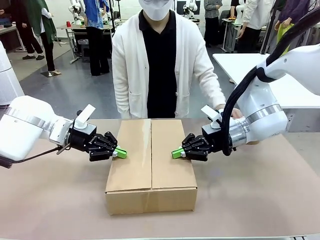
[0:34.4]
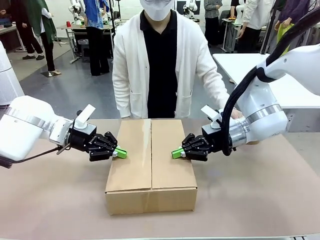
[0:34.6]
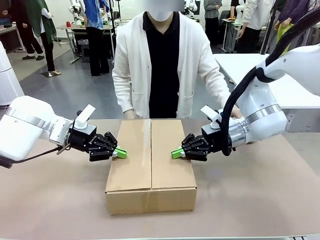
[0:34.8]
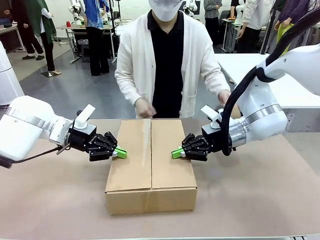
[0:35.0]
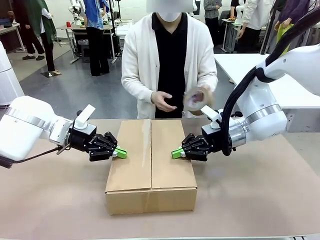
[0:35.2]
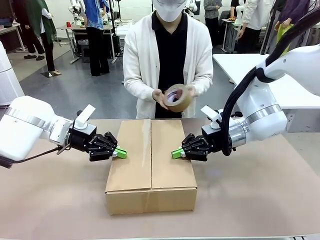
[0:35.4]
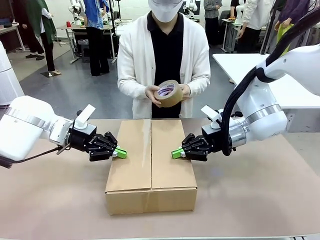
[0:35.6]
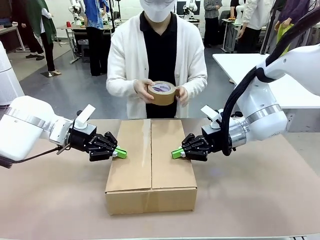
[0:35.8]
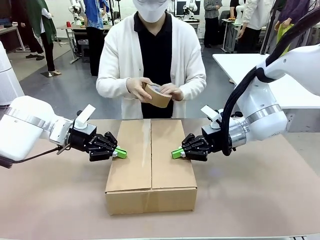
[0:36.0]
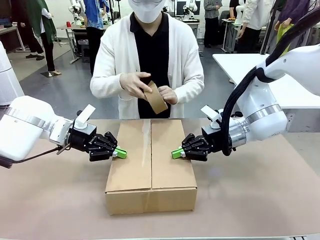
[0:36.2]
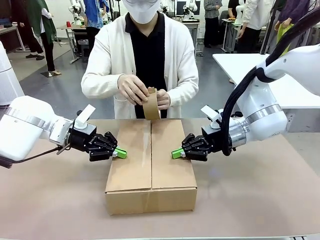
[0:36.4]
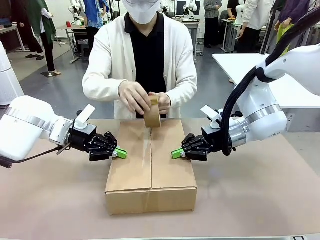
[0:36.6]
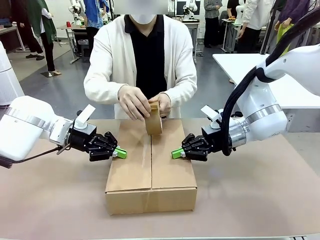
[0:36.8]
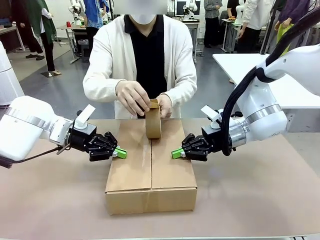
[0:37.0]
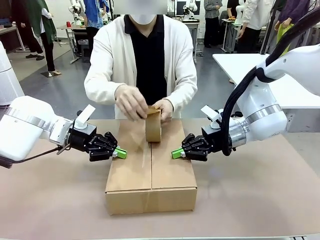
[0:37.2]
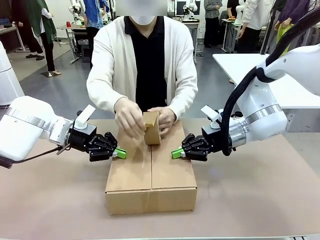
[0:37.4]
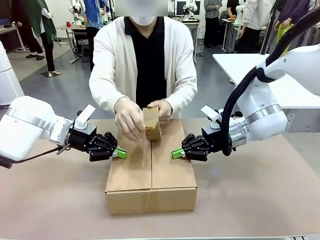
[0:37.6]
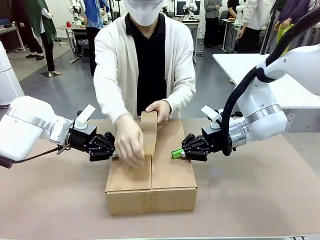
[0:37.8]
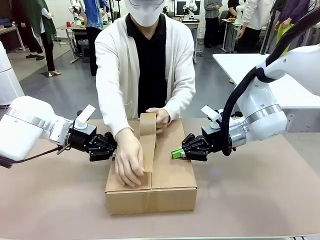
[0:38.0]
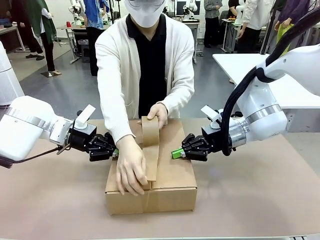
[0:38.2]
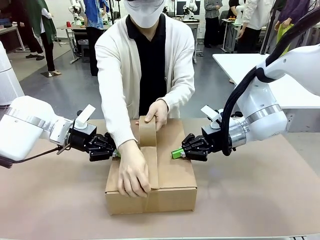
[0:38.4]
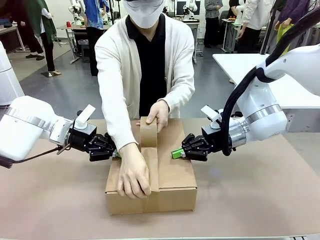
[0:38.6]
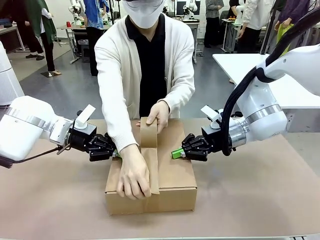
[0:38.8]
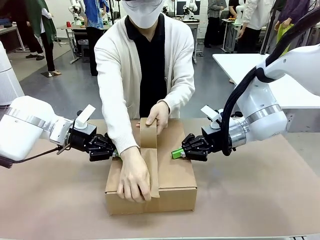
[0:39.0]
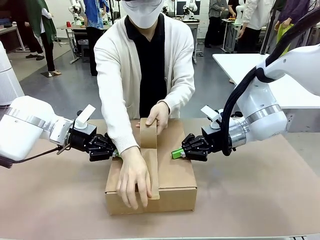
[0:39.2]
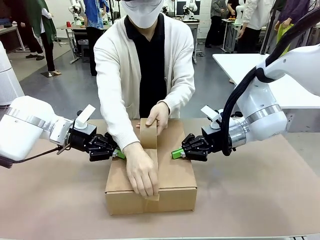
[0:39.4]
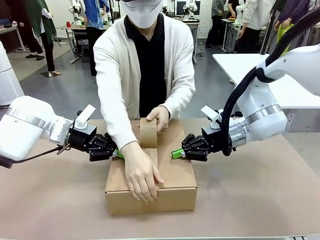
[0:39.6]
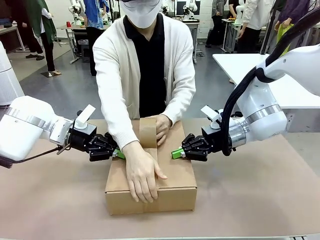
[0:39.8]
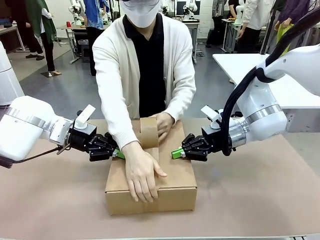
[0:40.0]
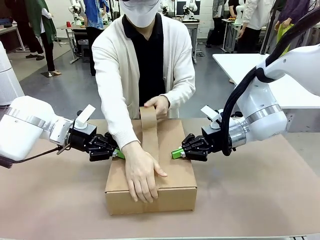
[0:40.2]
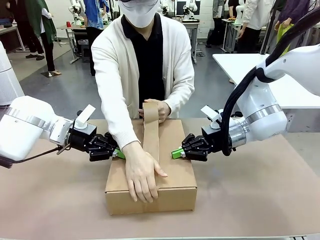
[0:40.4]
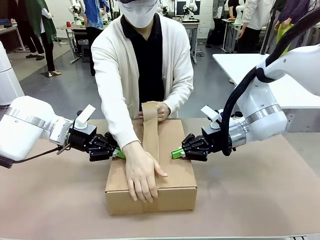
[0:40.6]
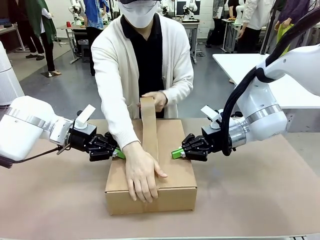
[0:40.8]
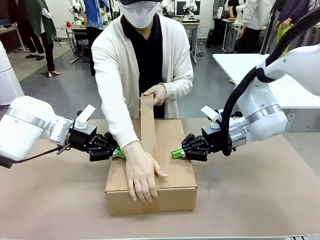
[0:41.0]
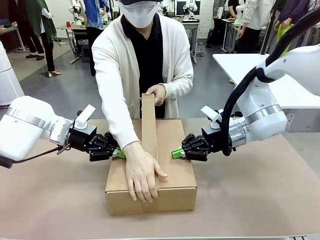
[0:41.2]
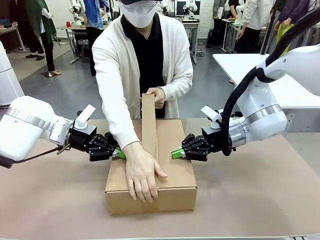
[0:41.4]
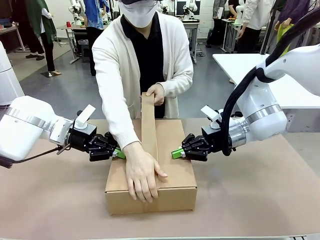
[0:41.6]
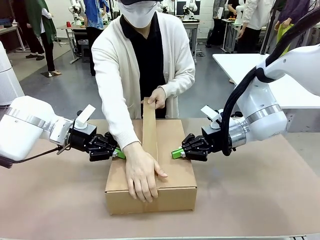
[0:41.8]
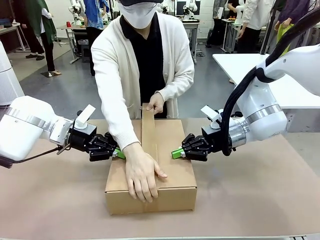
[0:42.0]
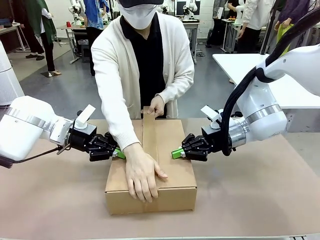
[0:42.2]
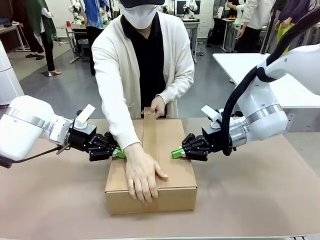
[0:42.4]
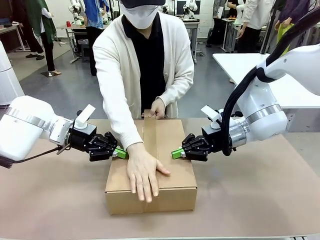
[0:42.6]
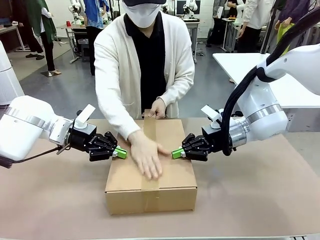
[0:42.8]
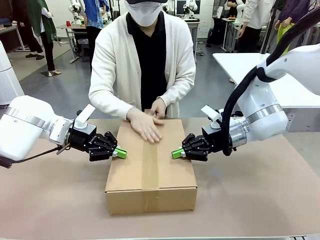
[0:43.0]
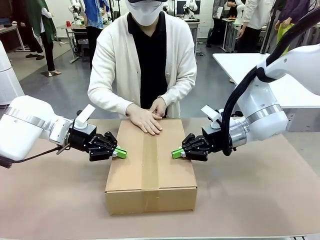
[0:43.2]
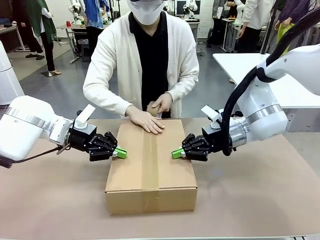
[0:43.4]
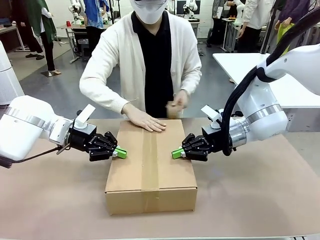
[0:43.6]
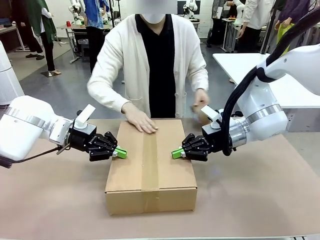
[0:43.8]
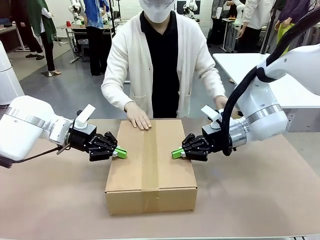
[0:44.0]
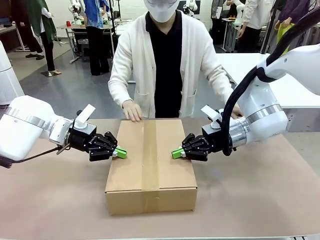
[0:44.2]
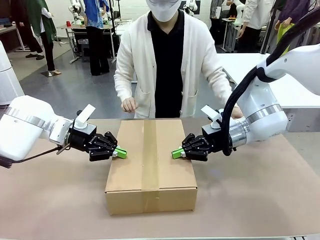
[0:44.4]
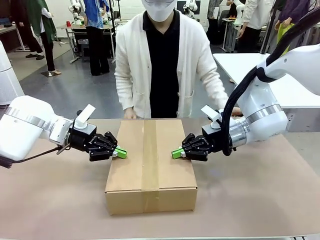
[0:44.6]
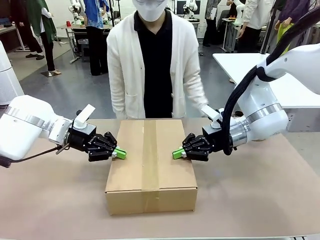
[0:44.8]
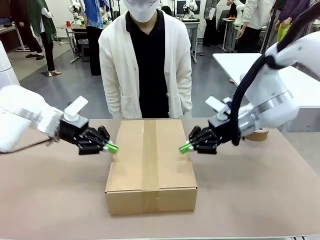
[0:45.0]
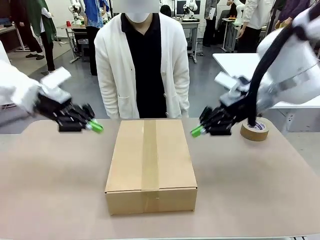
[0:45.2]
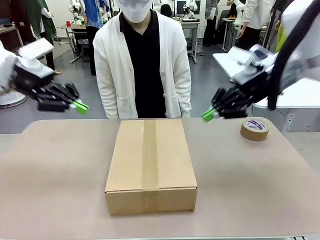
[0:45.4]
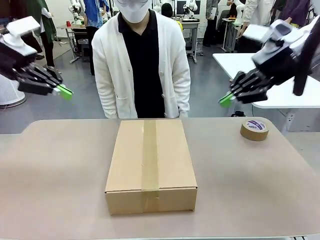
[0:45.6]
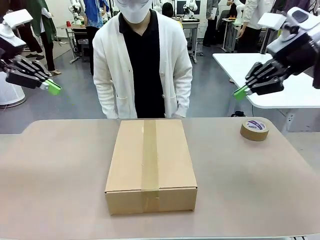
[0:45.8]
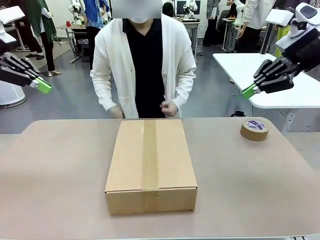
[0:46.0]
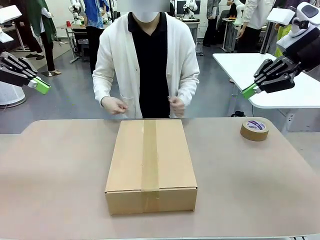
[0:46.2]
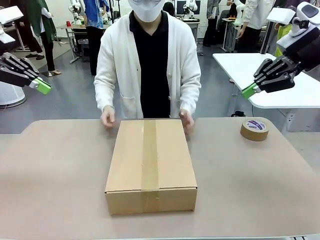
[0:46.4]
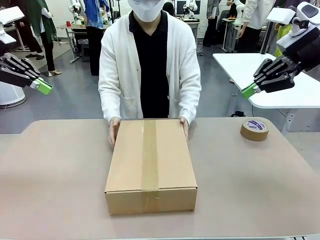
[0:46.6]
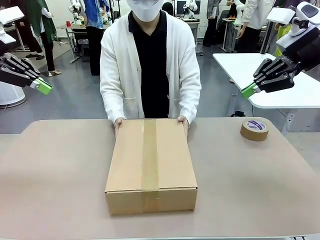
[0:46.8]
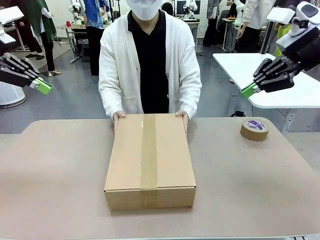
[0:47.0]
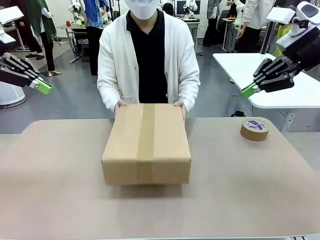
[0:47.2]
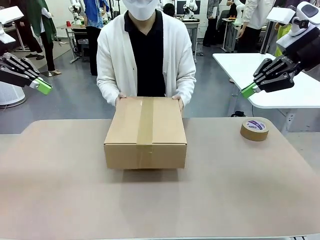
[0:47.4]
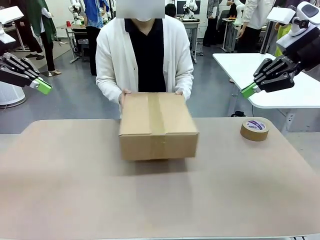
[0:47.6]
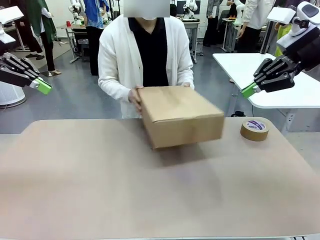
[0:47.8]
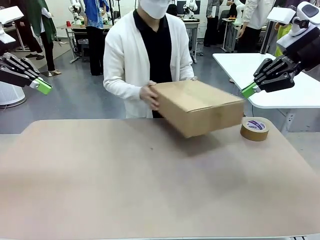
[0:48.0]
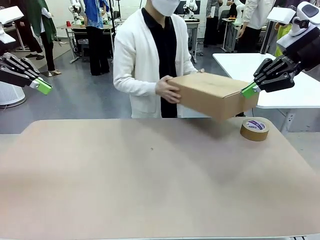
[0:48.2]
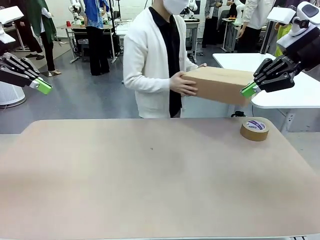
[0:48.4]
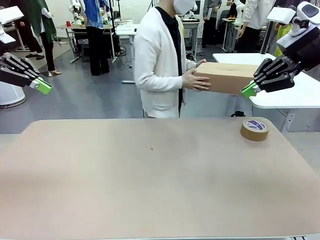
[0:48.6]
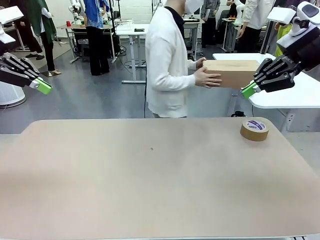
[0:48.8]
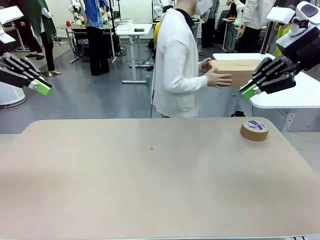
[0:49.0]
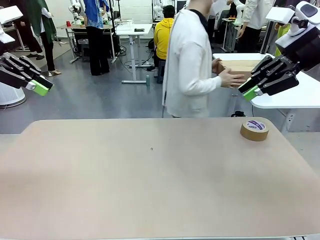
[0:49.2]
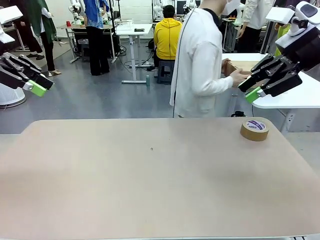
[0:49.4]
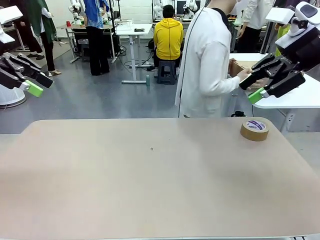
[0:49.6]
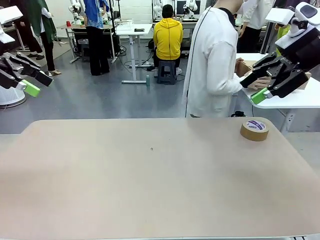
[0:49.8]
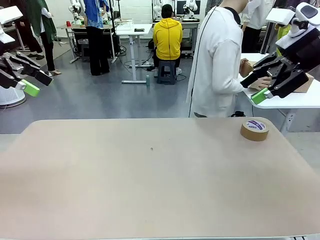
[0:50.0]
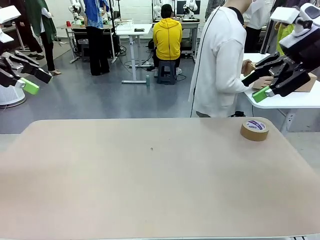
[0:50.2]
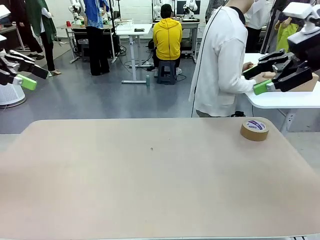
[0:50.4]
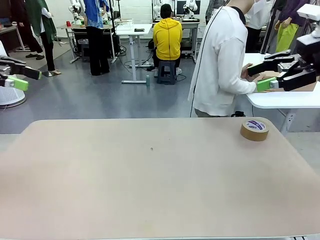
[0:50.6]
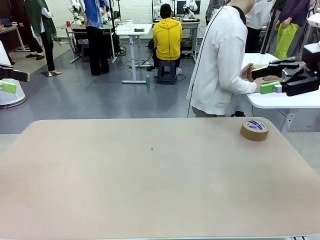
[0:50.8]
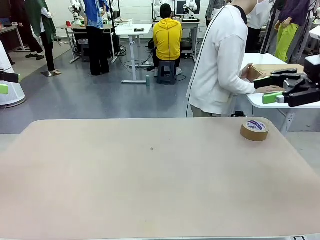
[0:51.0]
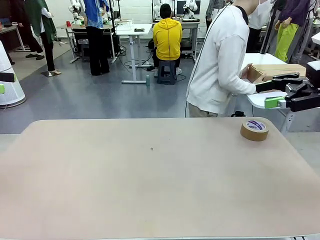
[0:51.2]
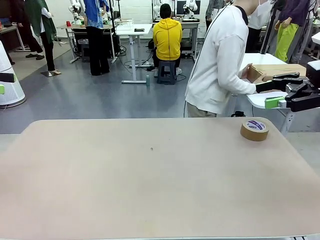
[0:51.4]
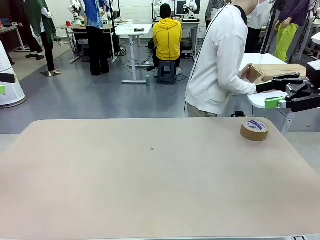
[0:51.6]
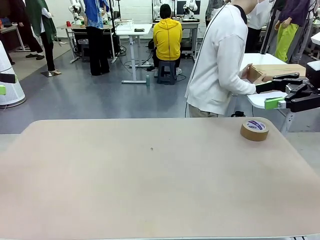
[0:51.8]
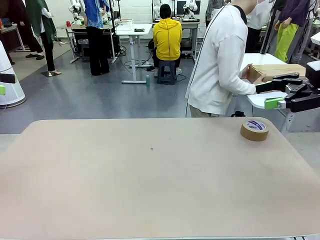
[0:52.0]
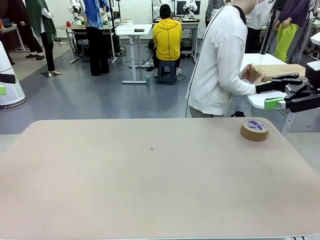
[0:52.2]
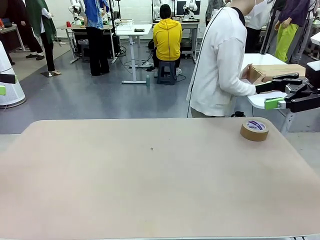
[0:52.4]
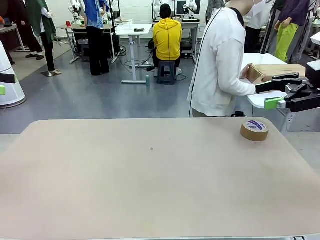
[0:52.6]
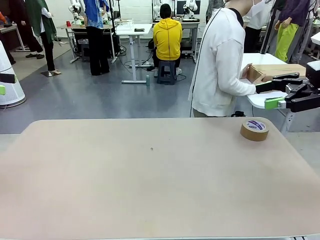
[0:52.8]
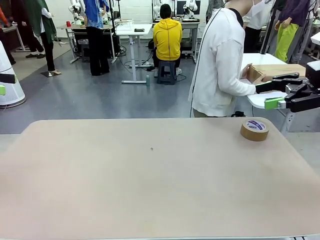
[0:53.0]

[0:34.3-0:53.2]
Task: Wrap the clocks to prevent damage.
Robot: After the human seals the box with tape, release both hands from the side flaps of the Package Box.
Person: Once the robot closes the left flap of the Package Box , seal the box with Paper Tape. Place sealed Package Box in the middle of the human's table.

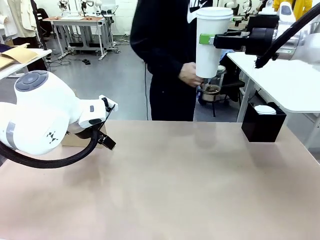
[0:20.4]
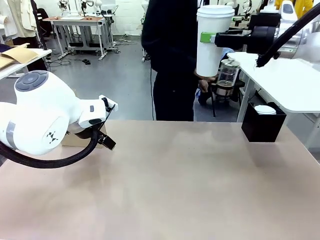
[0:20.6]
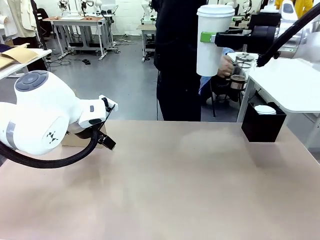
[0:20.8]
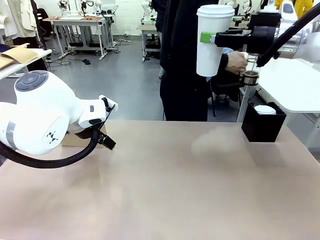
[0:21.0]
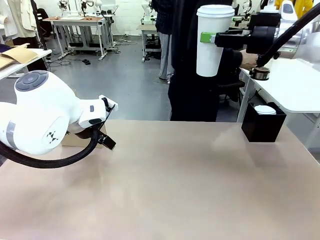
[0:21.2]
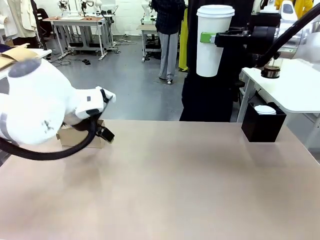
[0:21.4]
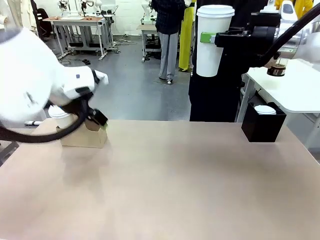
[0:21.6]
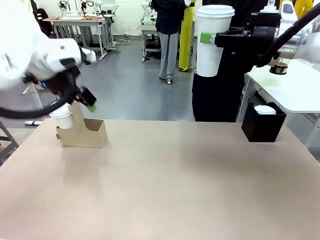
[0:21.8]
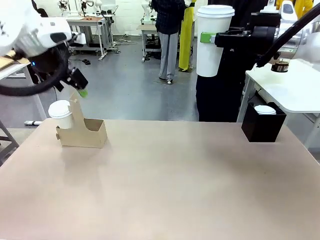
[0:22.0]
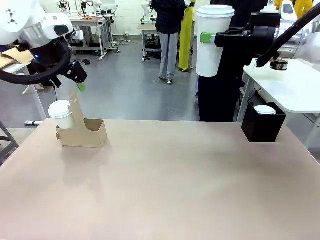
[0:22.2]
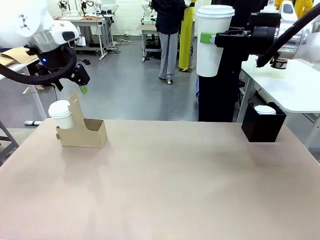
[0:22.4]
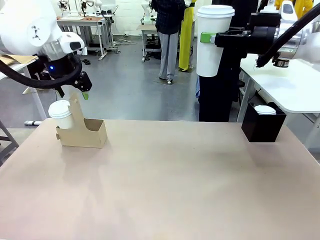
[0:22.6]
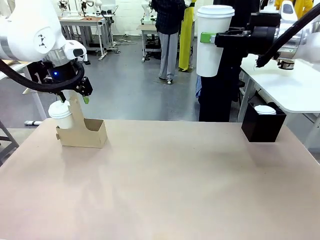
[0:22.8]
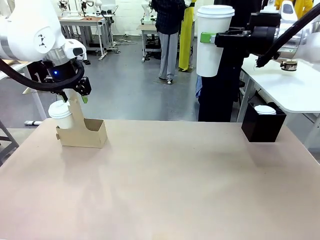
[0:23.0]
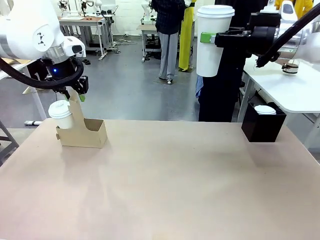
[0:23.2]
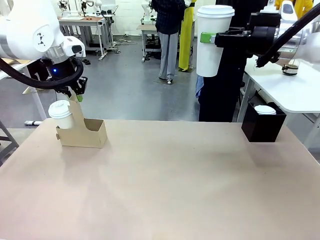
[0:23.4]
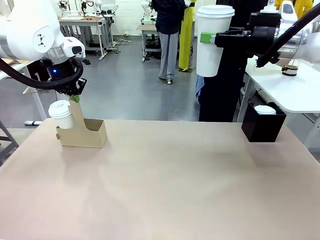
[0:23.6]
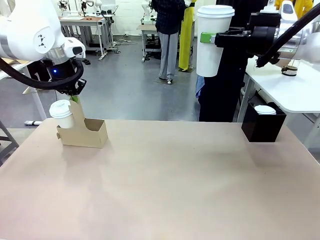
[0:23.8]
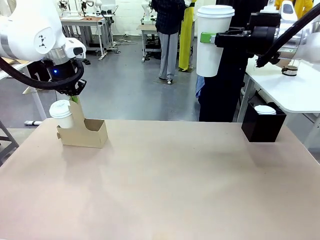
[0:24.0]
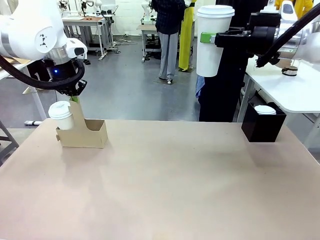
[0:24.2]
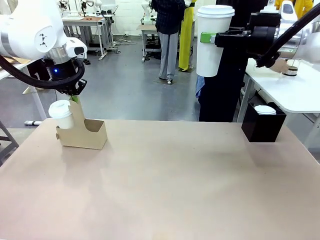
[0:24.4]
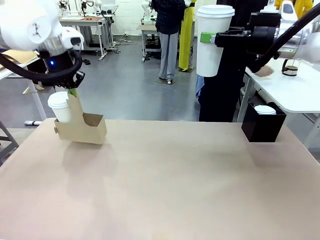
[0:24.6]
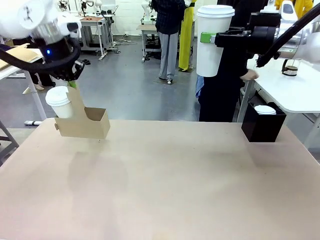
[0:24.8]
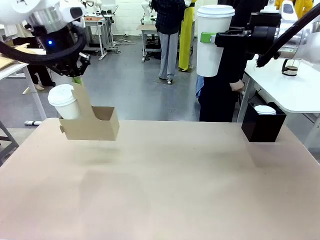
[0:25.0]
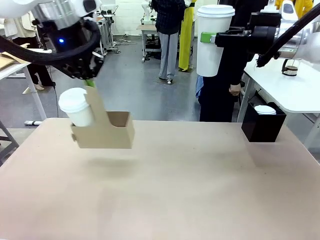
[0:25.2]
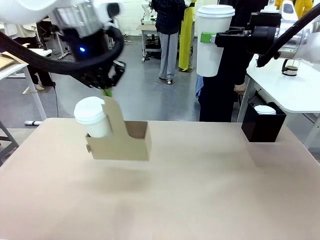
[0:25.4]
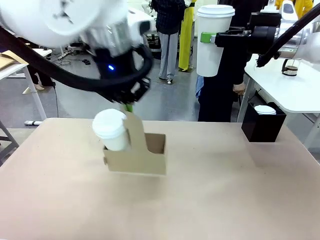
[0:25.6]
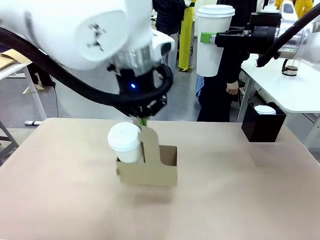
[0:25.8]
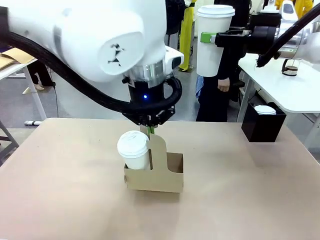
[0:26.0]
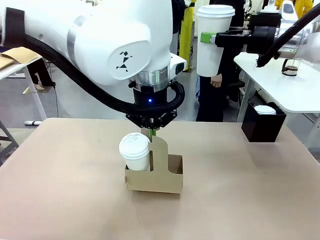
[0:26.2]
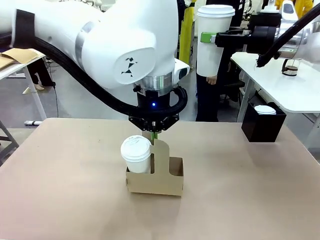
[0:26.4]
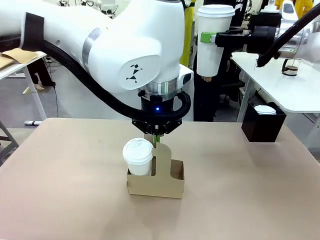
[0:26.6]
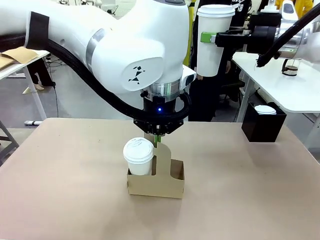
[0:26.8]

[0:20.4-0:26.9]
Task: Pour a drink into a cup and package it in a carrier.
Robot: Position the Cup Carrier in the center of the table.
